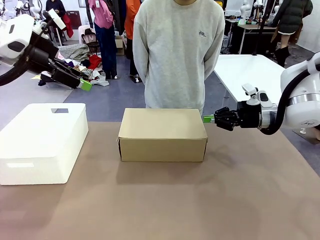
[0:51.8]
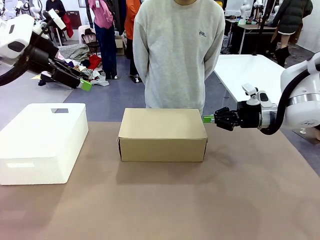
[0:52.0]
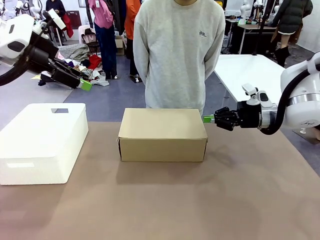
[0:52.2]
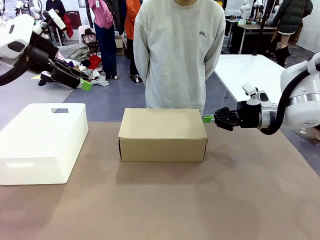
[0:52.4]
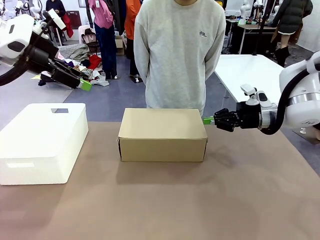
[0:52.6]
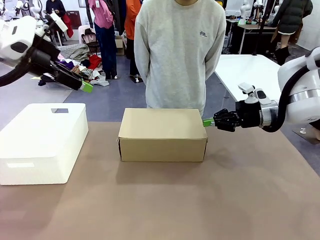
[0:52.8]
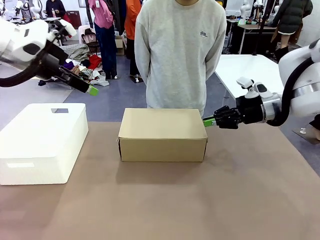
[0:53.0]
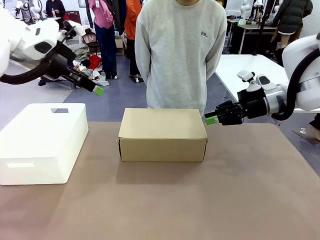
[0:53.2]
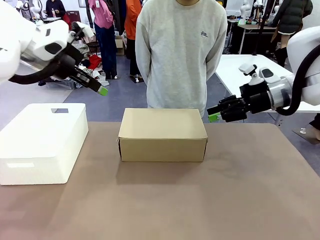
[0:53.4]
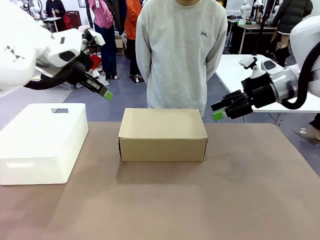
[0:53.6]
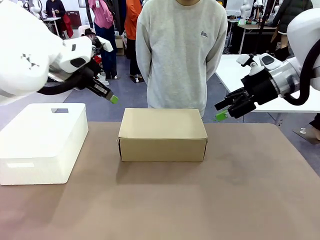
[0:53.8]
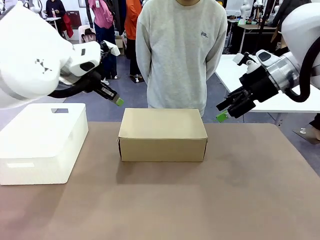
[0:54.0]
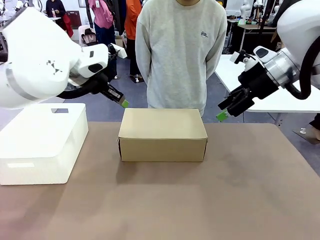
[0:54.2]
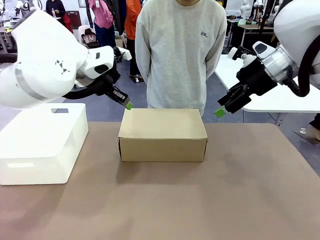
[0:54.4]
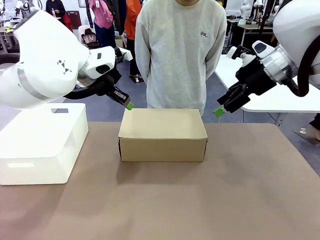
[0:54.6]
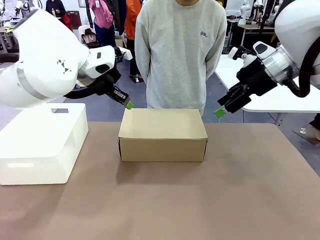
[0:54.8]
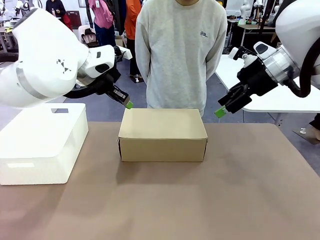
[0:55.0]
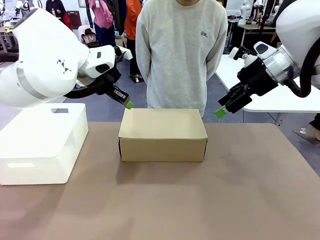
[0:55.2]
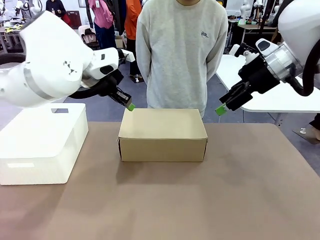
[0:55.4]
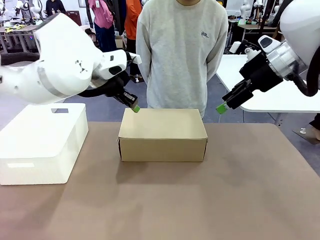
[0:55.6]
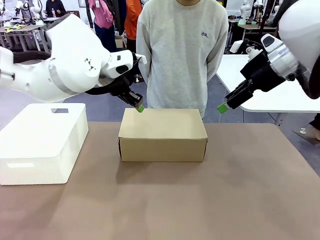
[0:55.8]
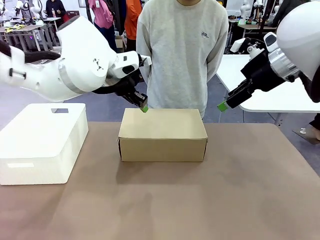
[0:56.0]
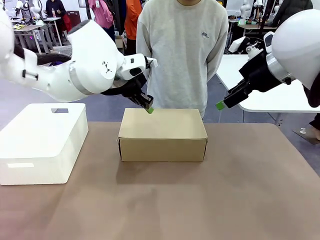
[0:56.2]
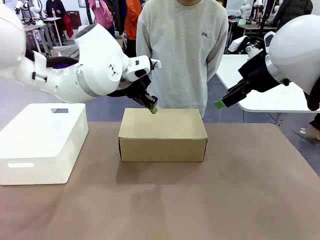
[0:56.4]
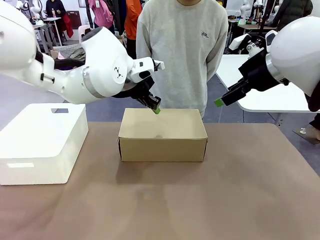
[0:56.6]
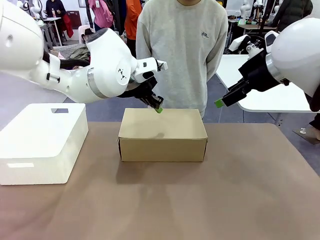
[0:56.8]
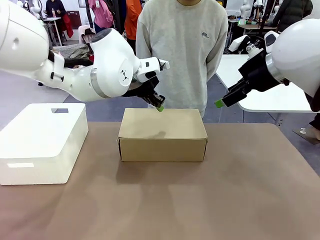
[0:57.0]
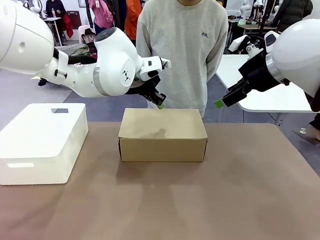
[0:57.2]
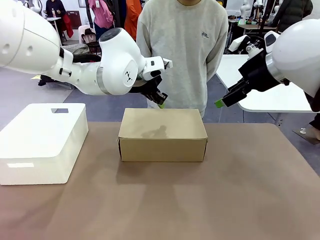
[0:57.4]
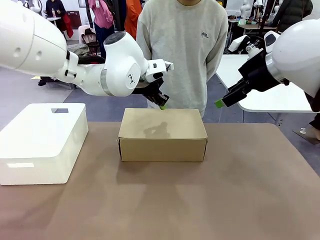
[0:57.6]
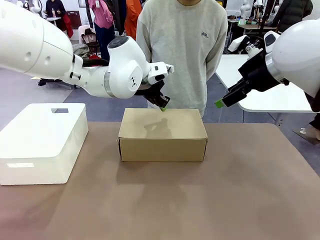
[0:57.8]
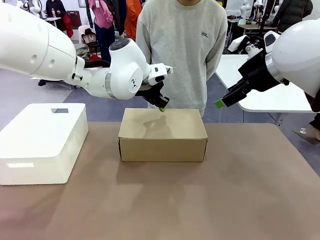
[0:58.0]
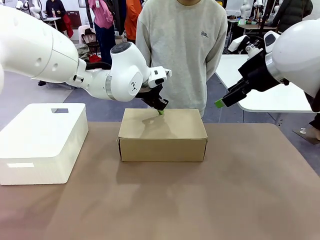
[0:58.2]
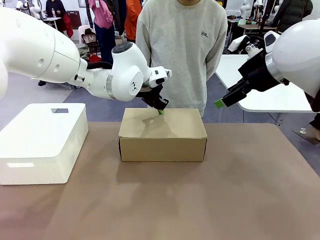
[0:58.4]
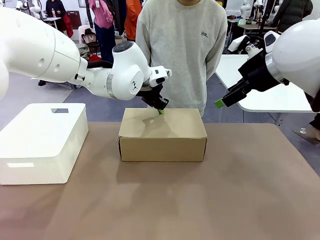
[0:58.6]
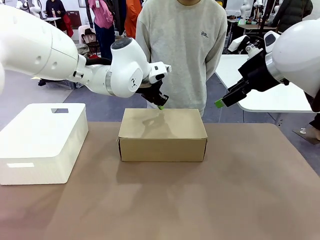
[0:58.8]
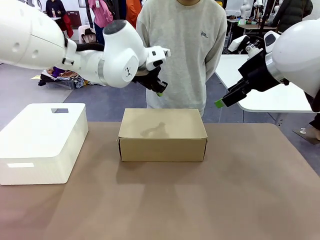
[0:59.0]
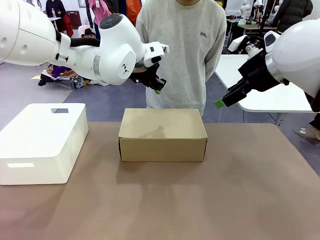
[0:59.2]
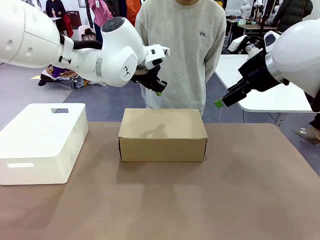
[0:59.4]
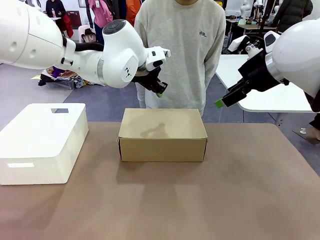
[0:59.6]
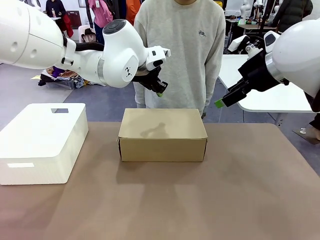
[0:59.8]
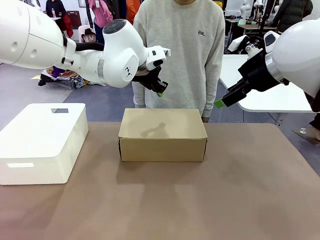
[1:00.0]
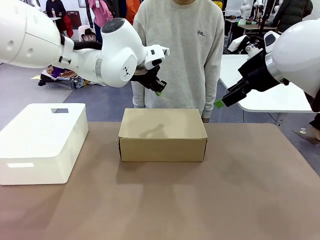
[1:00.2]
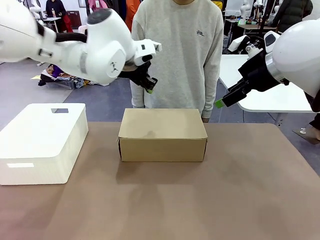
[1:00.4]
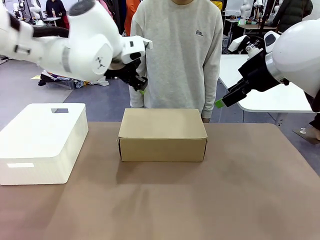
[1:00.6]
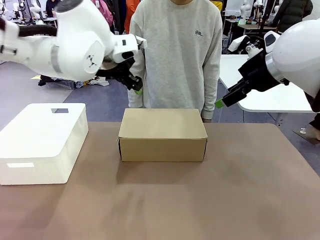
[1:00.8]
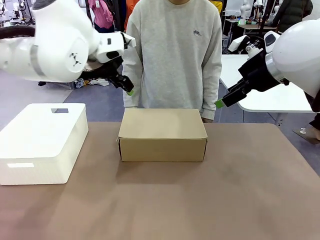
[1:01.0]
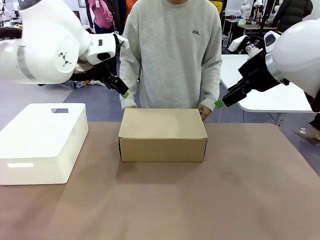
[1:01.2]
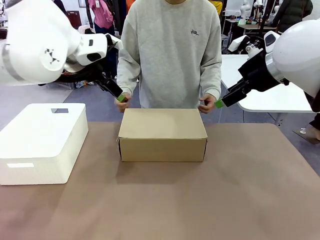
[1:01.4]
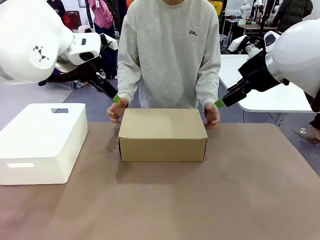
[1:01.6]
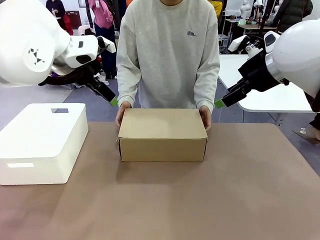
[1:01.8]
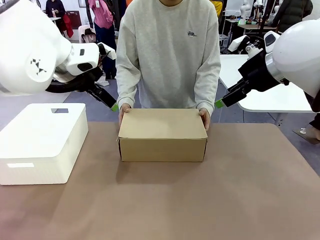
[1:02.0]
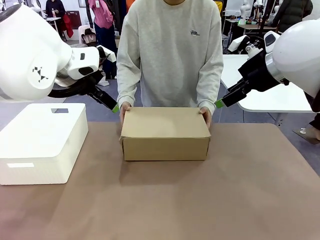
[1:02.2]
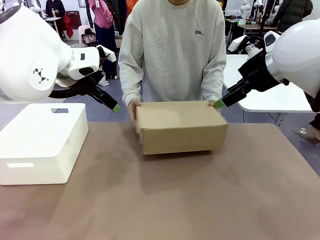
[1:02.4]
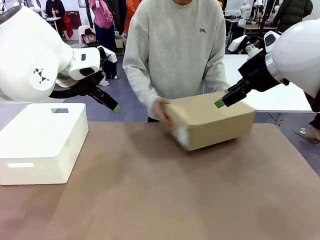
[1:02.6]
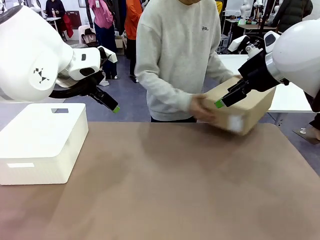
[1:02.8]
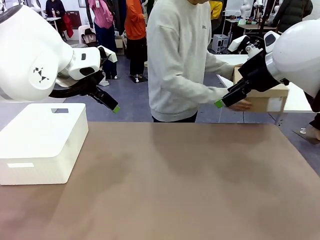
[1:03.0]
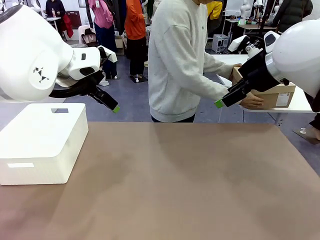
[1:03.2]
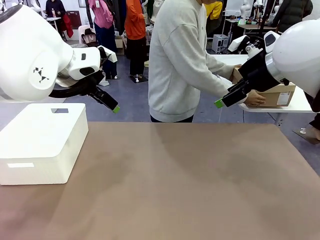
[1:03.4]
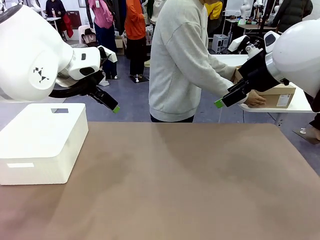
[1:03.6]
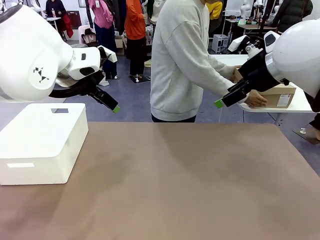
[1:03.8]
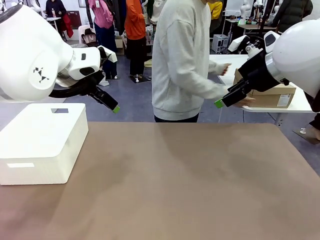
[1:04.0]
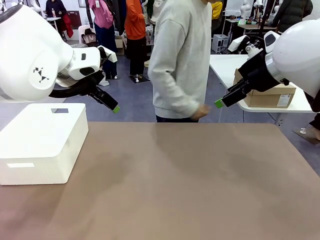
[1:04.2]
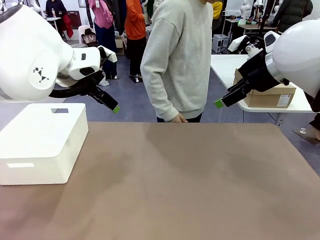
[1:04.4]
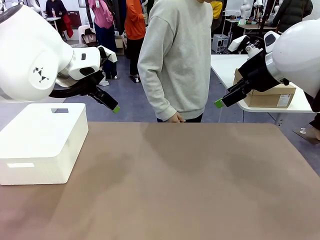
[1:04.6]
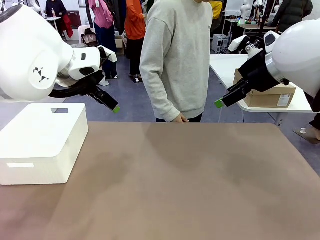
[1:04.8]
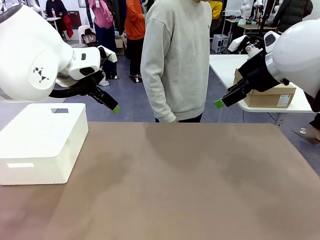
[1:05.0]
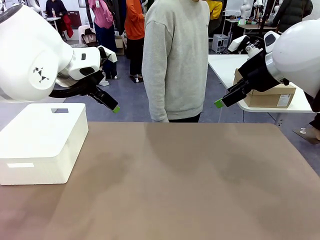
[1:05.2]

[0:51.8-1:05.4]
Task: Pack the shoes into the box.
Robot: Press down on the lid of the Shoes Box.
Person: Place the closed Shoes Box to the right side of the human table.

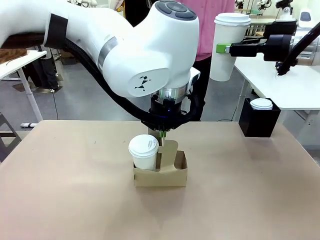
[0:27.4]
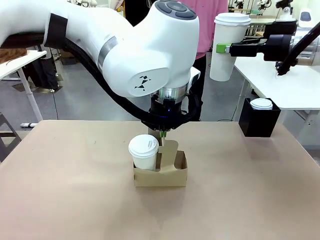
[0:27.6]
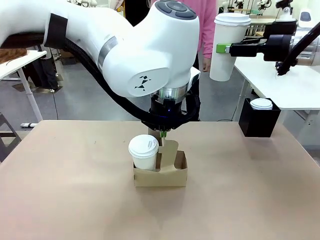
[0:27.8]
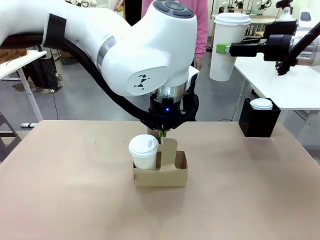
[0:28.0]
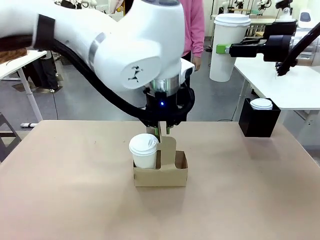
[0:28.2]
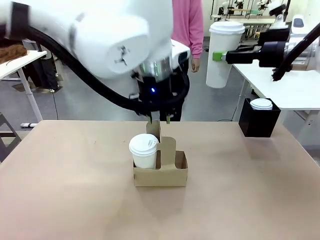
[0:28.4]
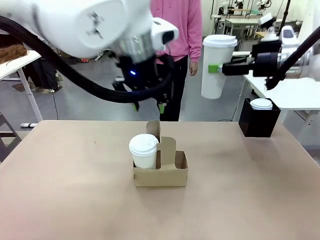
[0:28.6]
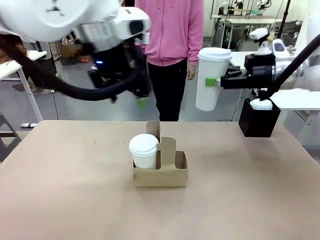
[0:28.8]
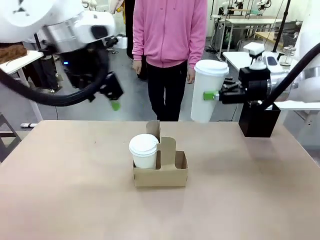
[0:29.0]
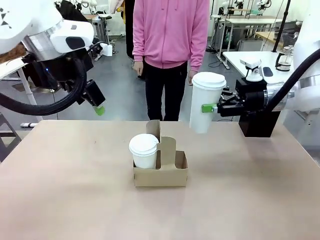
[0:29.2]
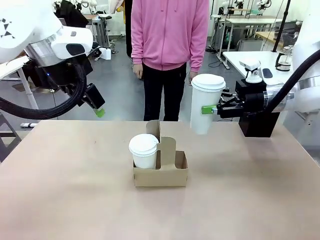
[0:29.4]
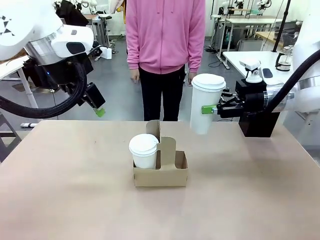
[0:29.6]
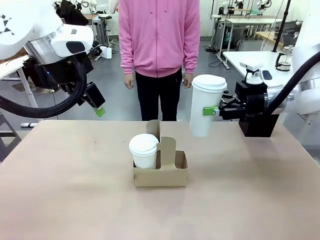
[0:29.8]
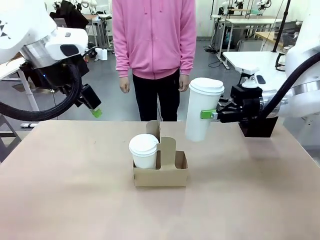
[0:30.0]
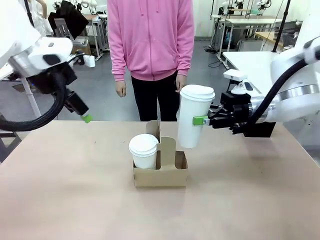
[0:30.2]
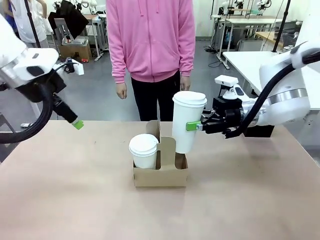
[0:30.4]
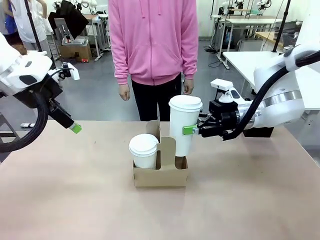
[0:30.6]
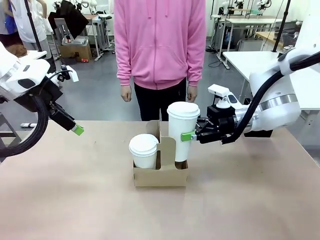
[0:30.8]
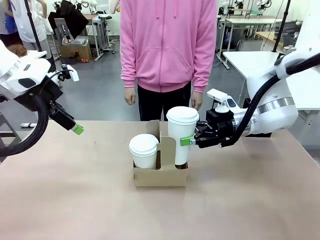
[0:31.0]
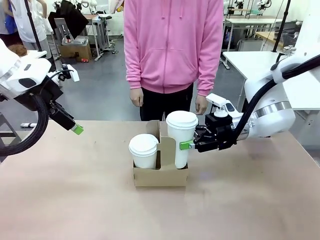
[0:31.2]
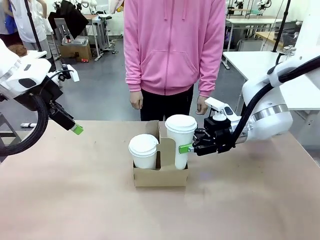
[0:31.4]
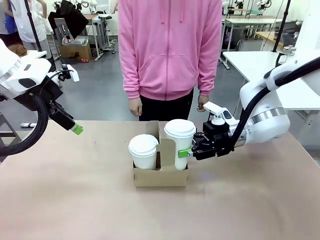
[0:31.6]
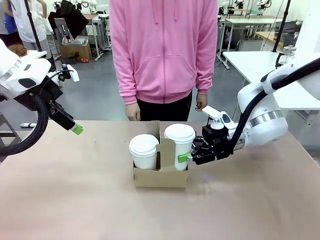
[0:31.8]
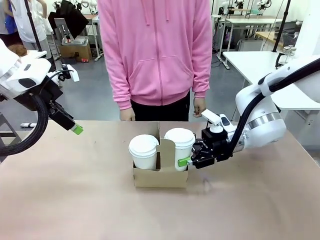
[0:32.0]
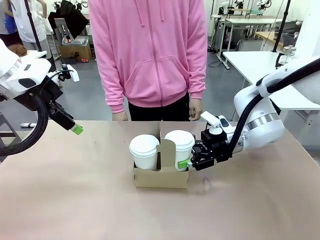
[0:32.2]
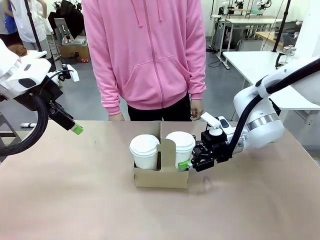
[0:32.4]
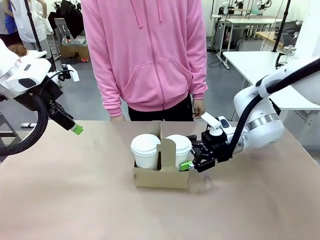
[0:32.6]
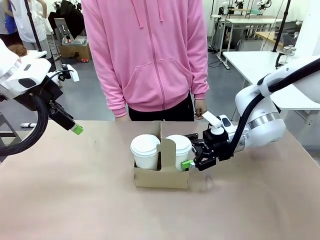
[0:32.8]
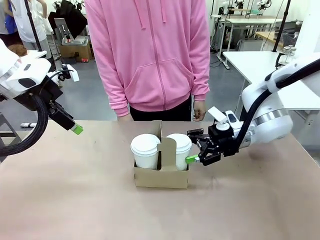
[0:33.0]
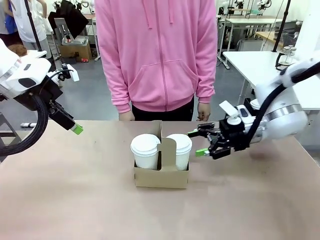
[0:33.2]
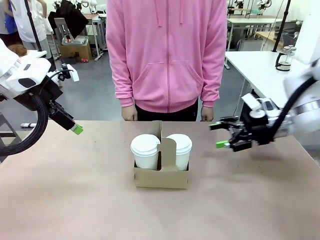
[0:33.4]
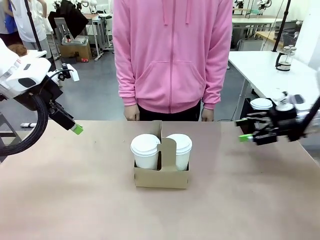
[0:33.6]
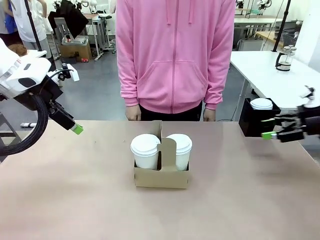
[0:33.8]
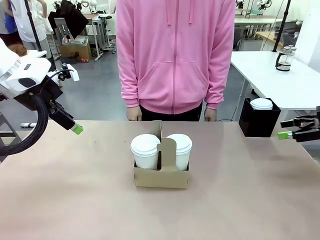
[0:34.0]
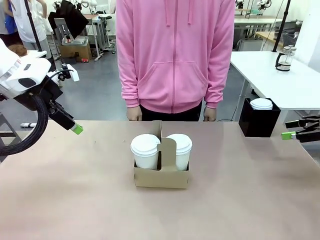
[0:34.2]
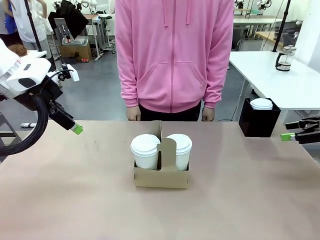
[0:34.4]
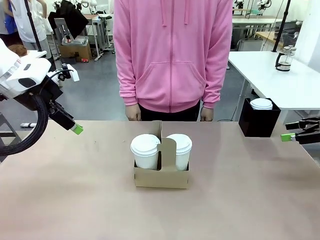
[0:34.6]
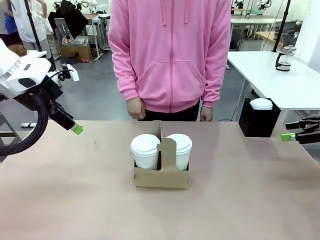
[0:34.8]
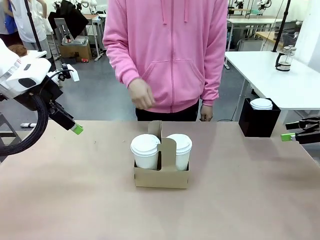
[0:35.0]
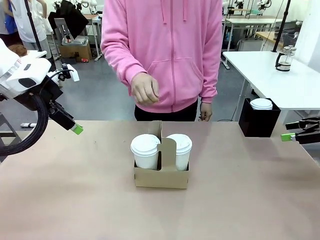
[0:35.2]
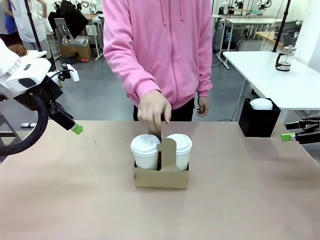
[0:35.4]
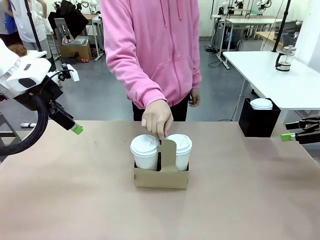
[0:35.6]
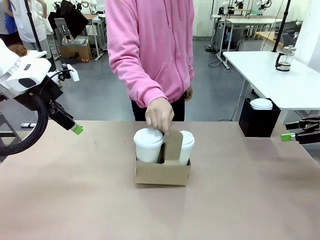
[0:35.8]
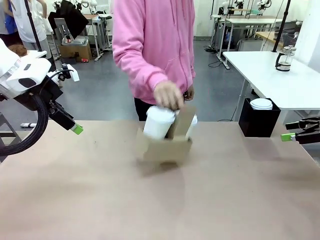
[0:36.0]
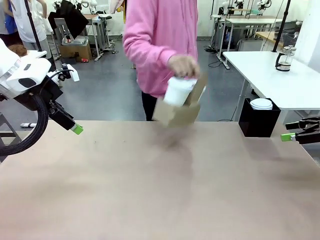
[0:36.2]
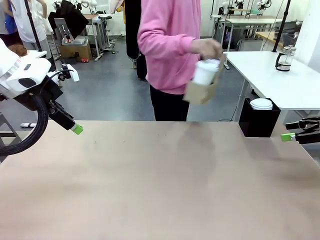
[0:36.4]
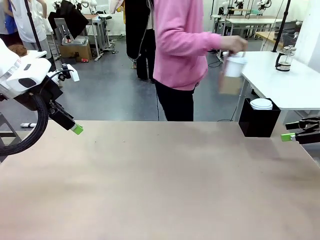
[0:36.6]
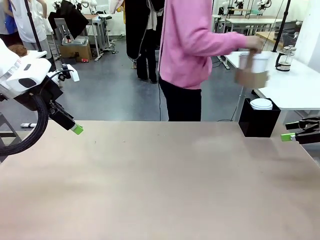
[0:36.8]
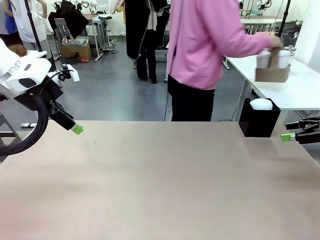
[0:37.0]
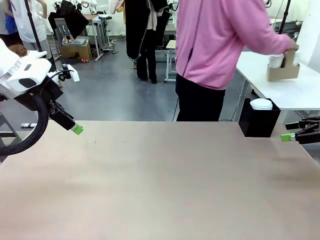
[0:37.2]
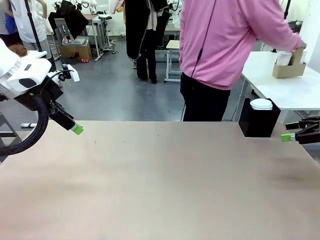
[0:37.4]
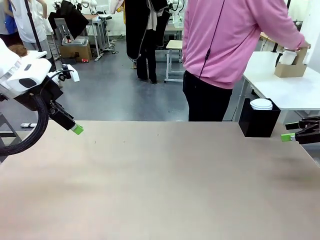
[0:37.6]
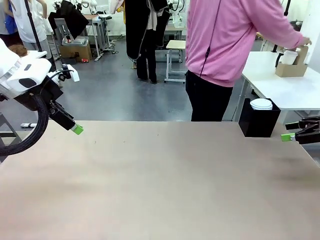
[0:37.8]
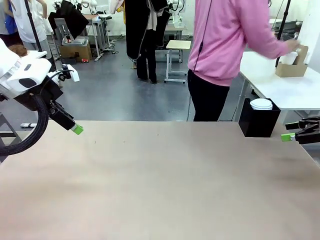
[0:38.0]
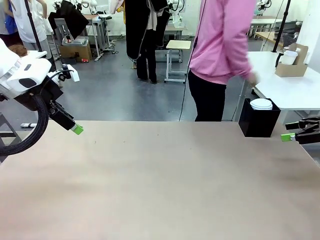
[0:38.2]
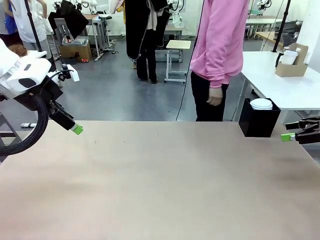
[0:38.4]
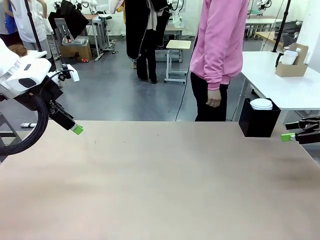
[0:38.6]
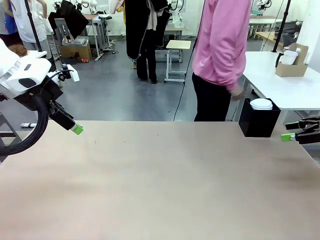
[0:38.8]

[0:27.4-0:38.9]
Task: Pour a drink into a cup and package it in a carrier.
Robot: Insert the held 600 ml Paper Cup into the Cup Carrier.
Person: Place the Cup Carrier to the middle of Human table.
